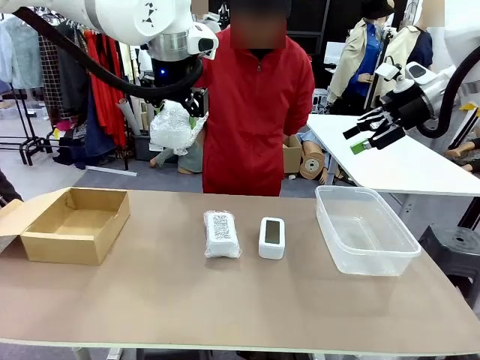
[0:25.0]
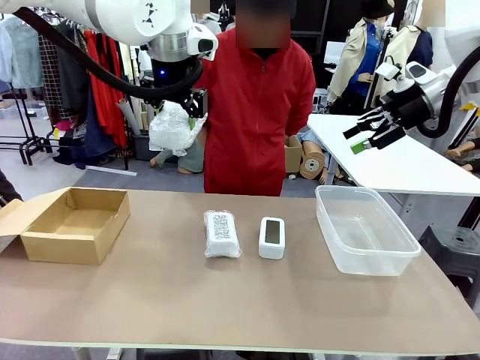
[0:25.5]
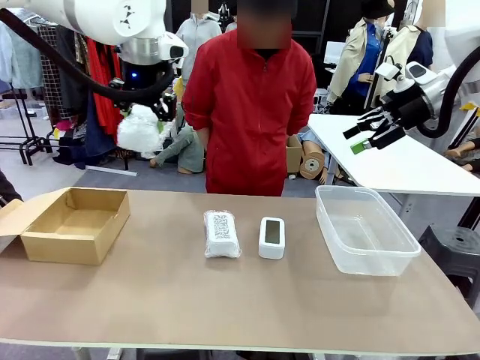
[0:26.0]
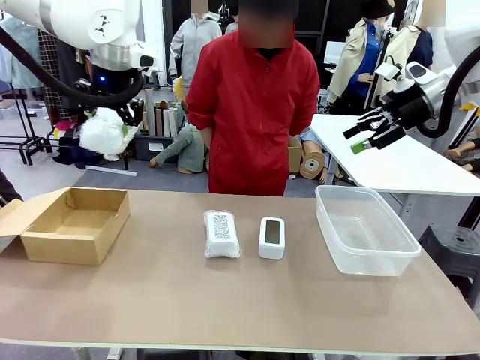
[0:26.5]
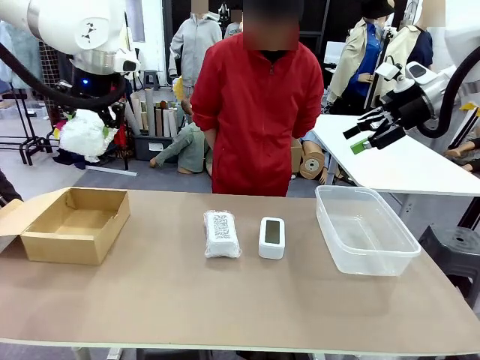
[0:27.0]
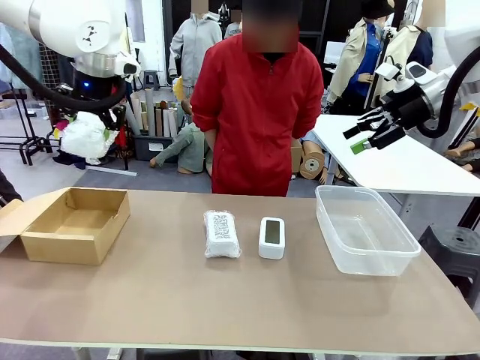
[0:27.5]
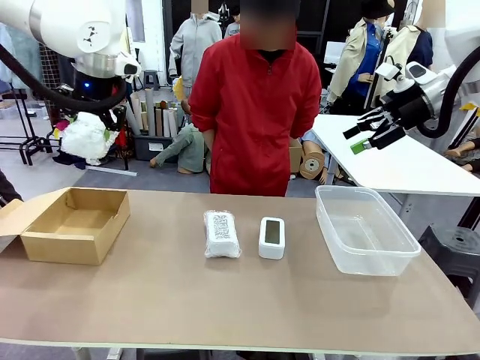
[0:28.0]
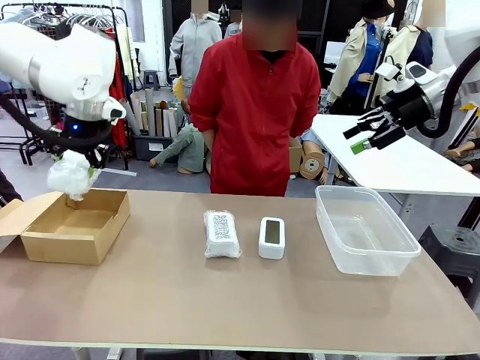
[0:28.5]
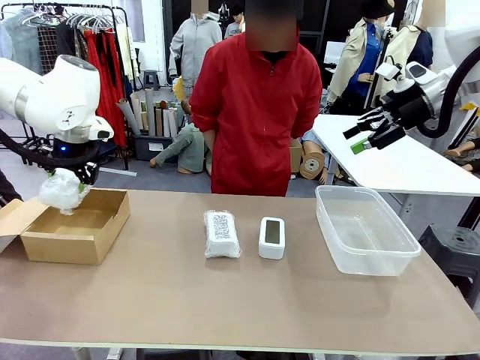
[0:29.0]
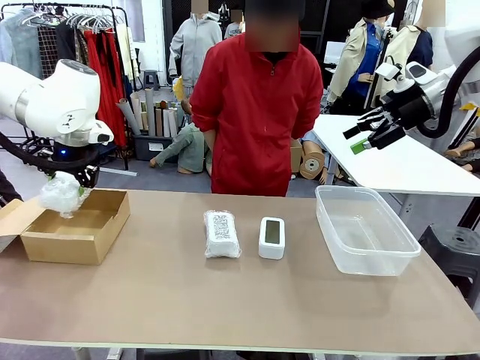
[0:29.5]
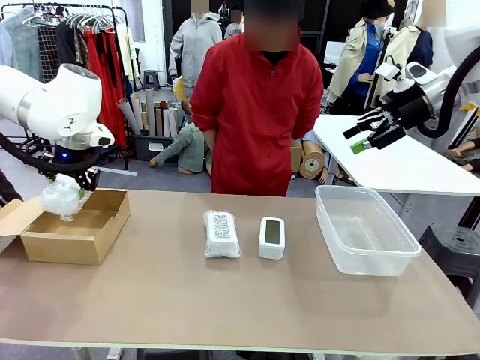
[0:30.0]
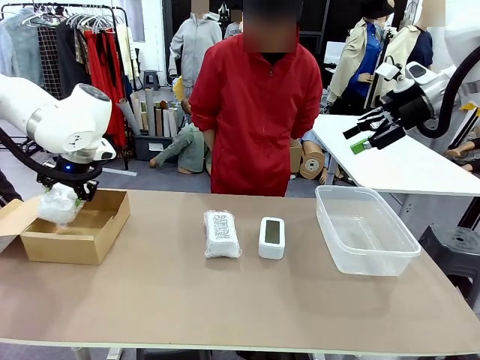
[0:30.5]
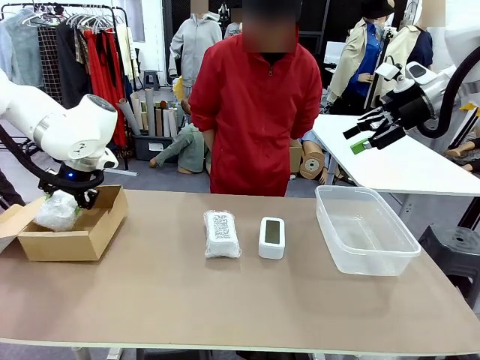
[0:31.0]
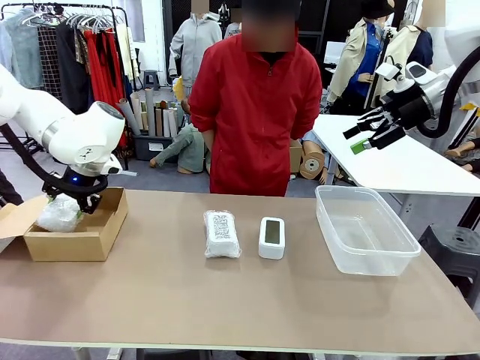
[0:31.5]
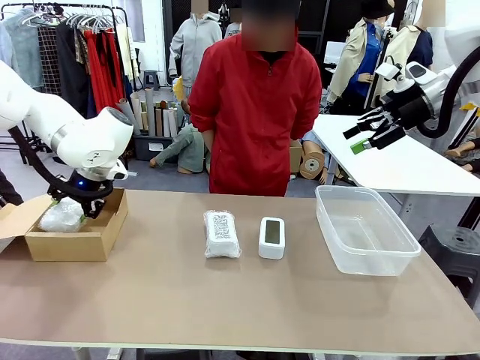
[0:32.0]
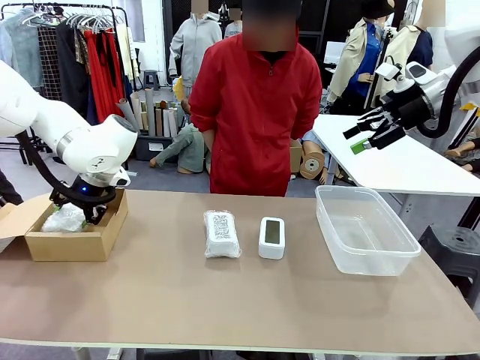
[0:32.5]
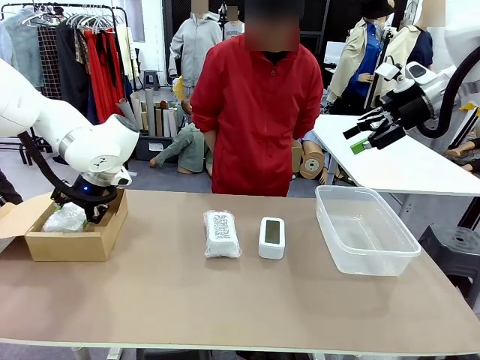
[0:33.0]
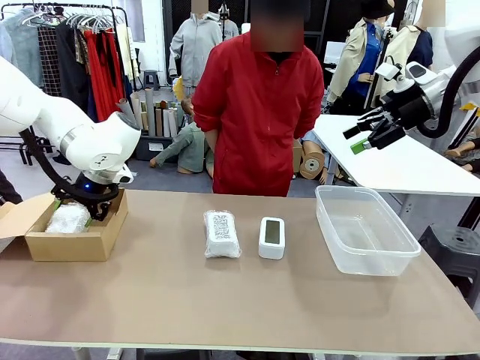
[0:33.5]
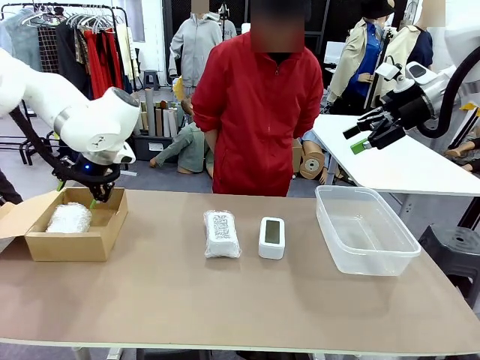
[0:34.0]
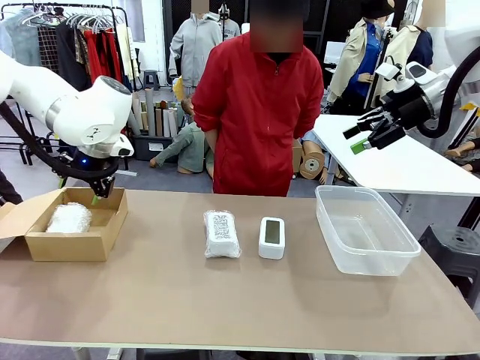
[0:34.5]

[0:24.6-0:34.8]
Task: Separate and place wrapped and unwrapped clocks.
Robot: If the picked Digital clock is wrapped, place it in the Package Box ; if not, place it in the Organizing box.

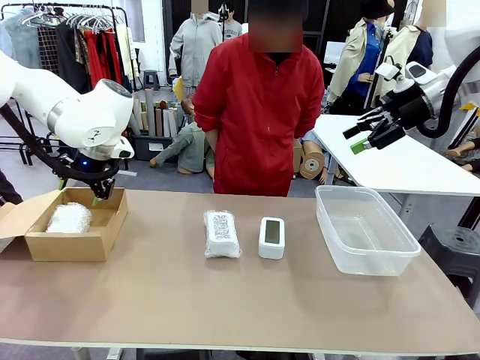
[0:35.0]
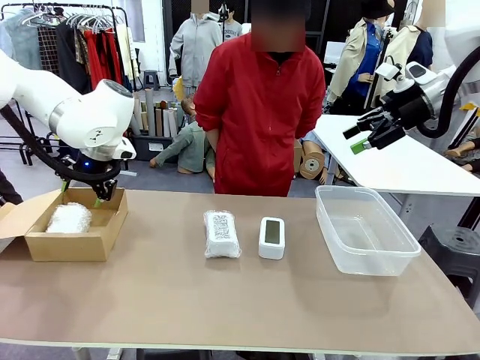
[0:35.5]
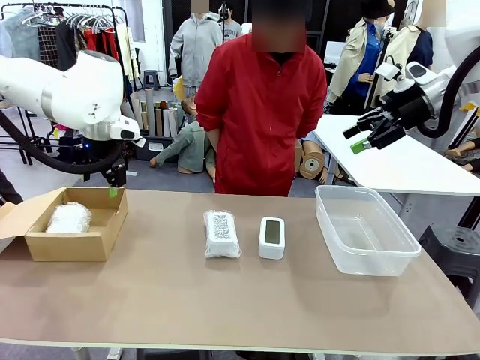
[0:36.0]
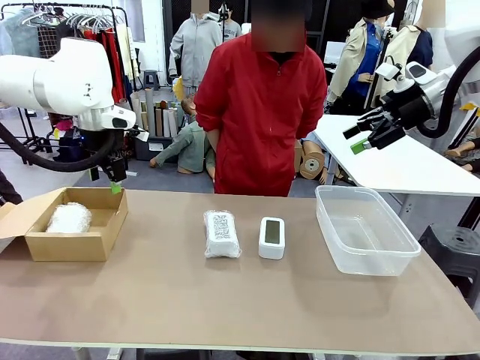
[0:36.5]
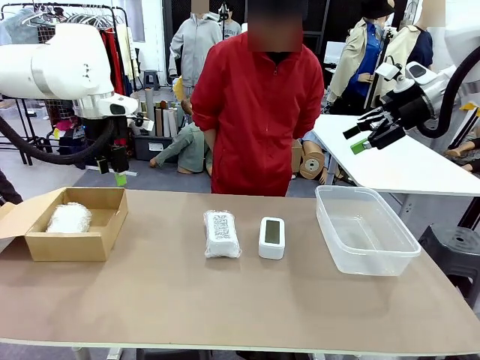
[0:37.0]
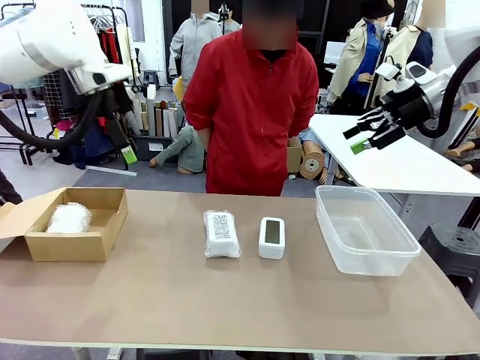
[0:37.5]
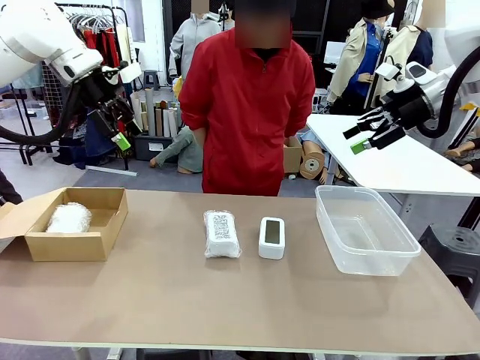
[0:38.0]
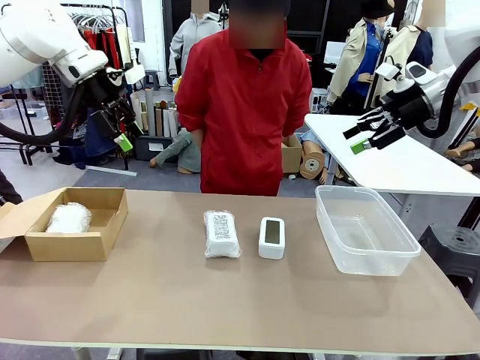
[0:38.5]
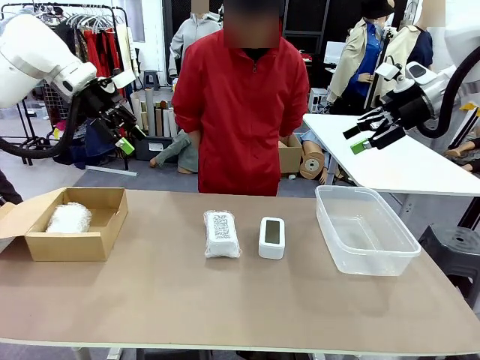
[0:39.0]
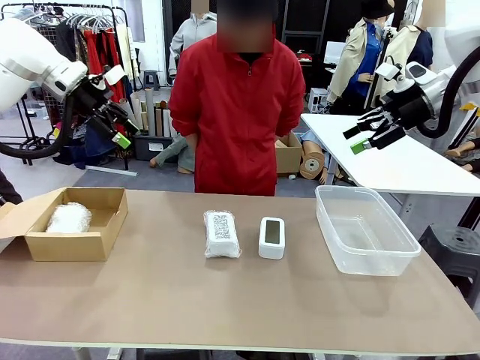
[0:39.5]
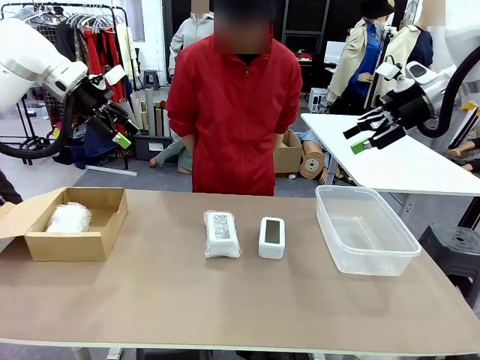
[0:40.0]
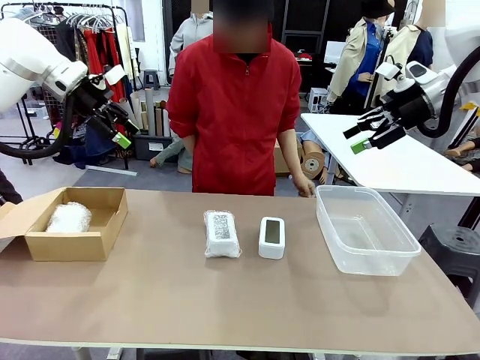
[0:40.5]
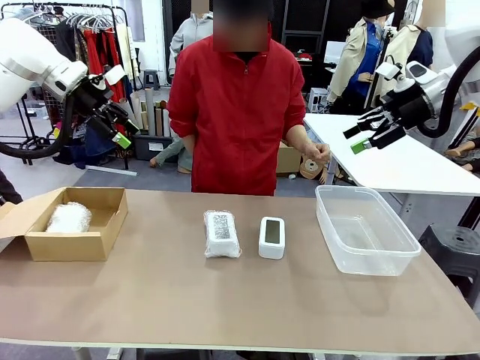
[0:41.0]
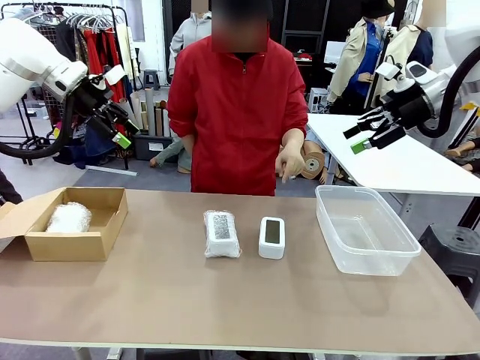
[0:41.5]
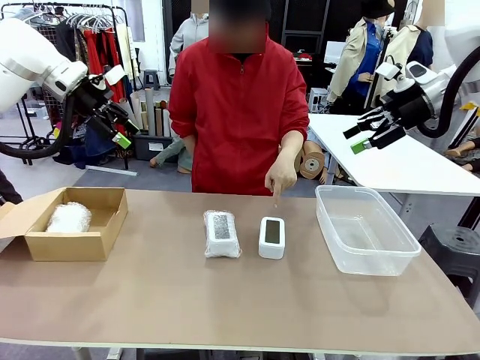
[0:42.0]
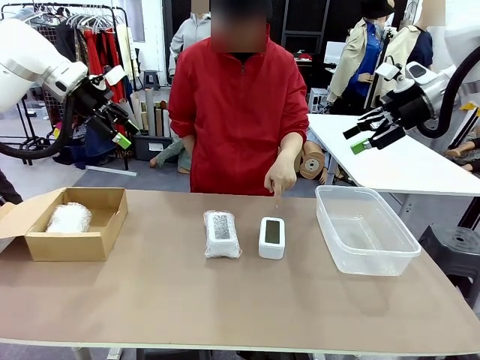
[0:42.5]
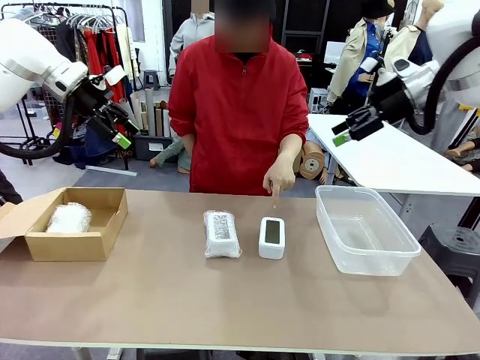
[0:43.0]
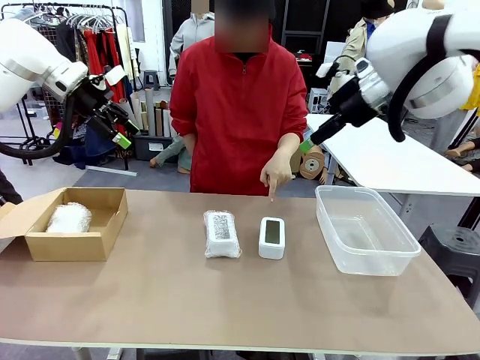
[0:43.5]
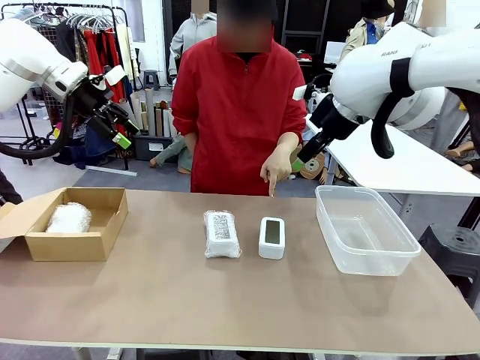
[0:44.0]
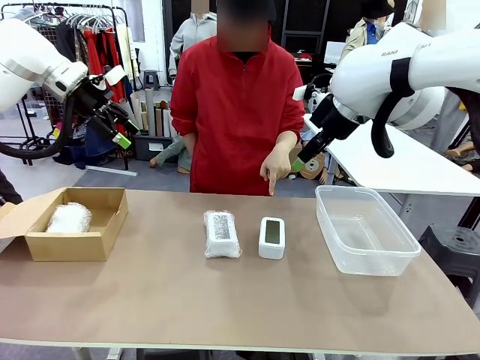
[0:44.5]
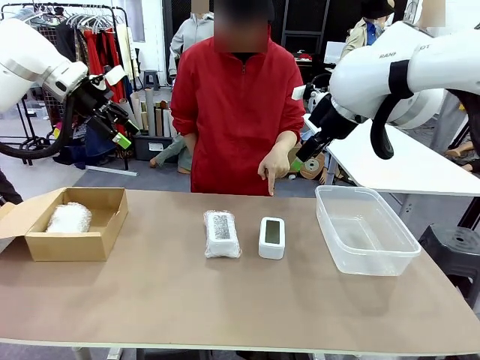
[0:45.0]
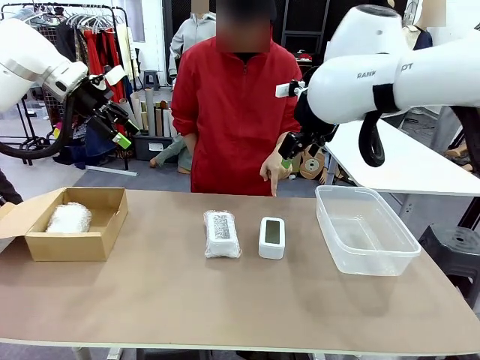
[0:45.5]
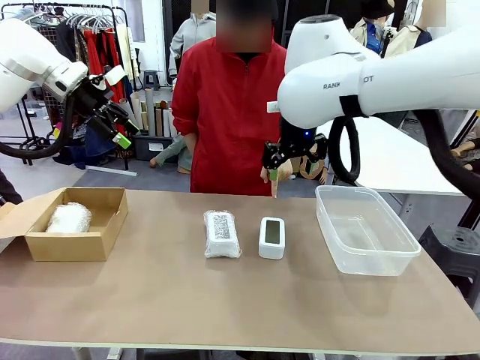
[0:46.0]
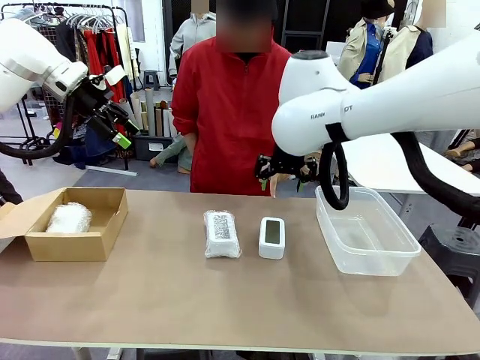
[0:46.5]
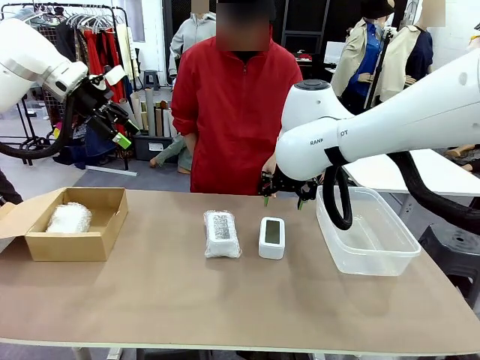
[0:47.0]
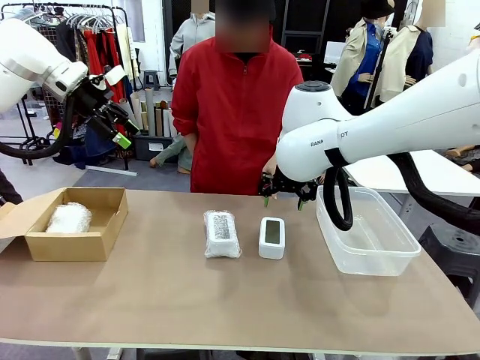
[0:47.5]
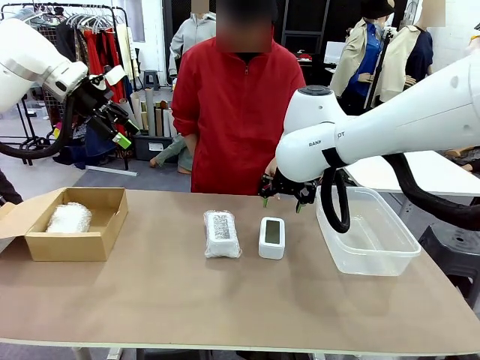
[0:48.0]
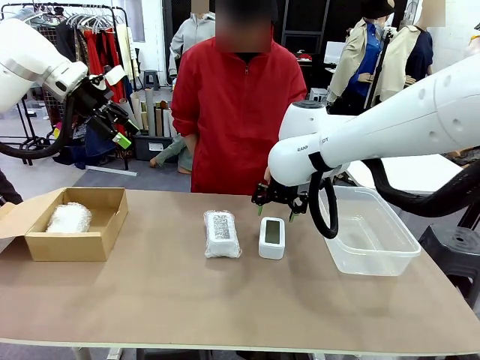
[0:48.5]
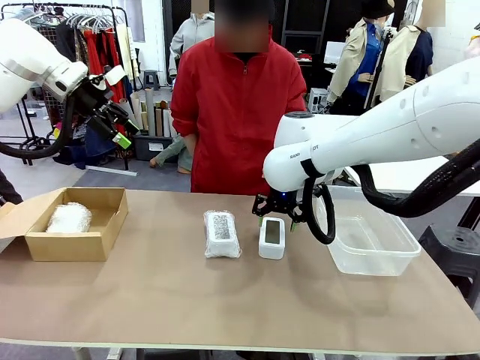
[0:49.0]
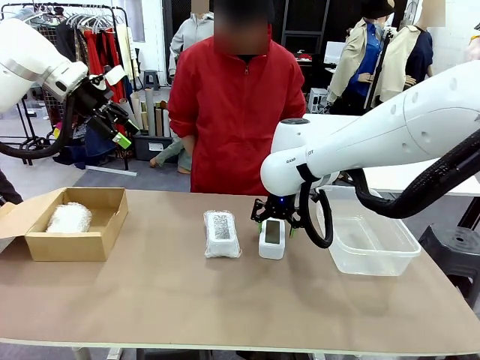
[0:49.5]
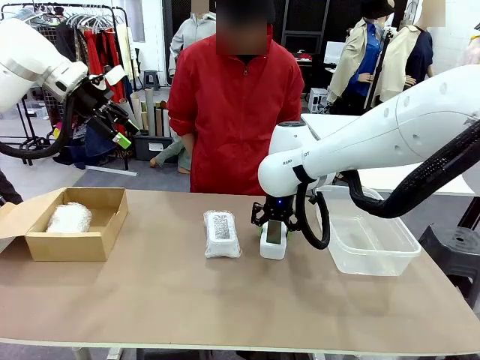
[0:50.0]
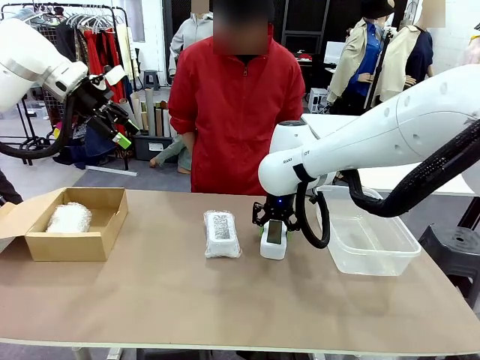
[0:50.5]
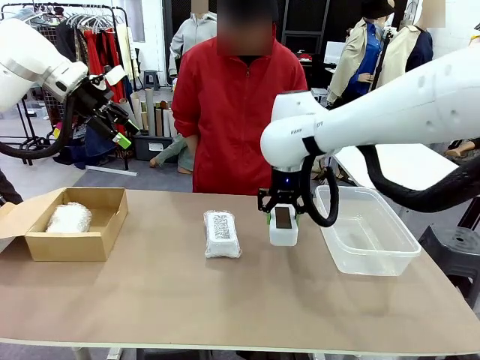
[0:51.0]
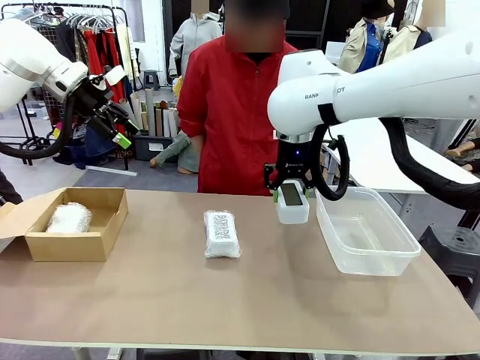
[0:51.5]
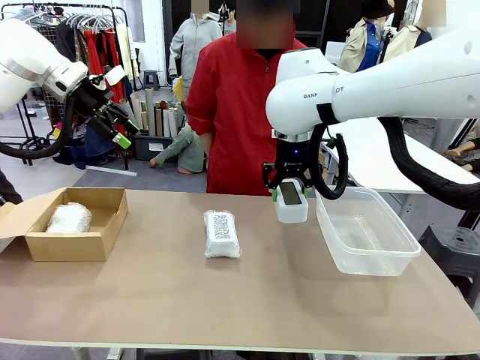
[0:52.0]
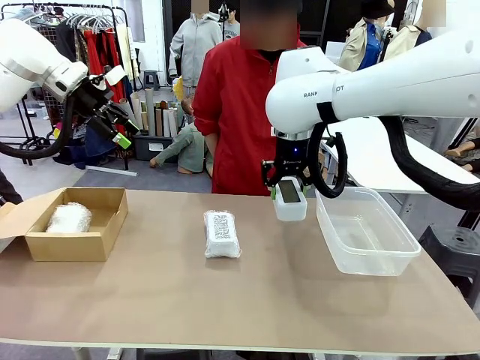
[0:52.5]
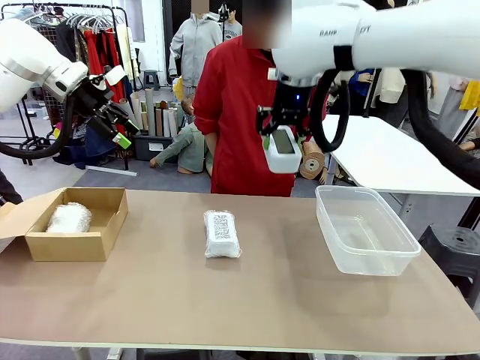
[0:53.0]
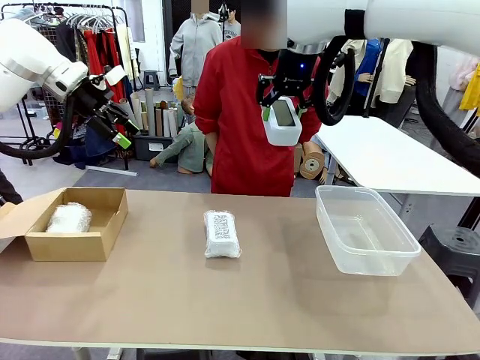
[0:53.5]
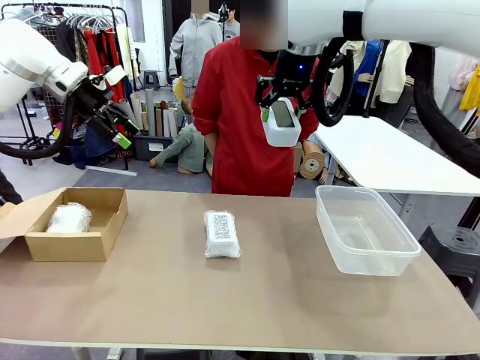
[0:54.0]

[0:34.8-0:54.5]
Robot: Pick up the Digital clock indicated by the person.
